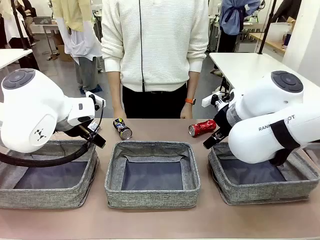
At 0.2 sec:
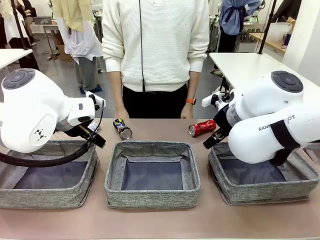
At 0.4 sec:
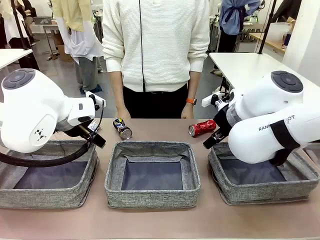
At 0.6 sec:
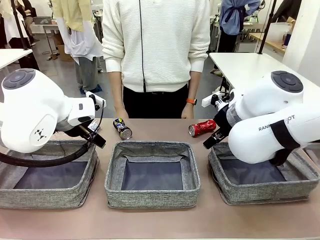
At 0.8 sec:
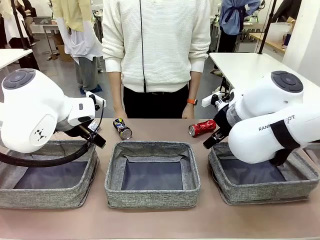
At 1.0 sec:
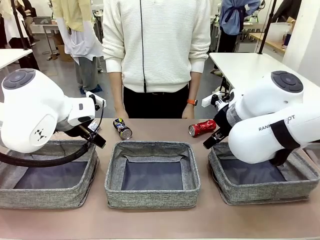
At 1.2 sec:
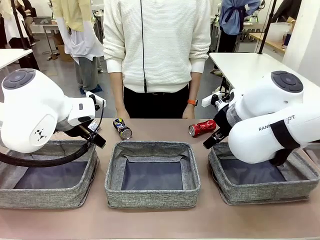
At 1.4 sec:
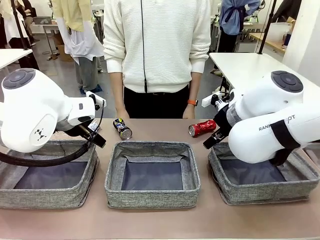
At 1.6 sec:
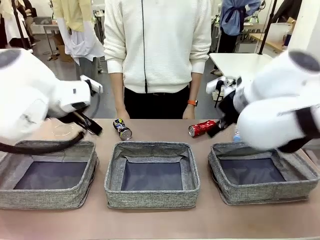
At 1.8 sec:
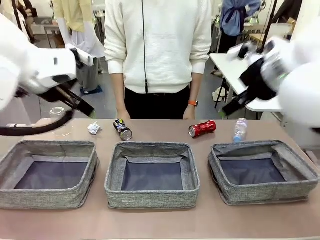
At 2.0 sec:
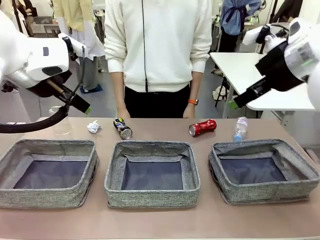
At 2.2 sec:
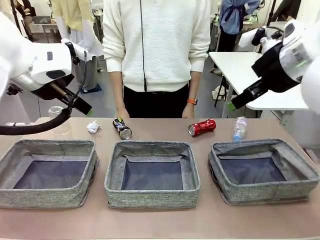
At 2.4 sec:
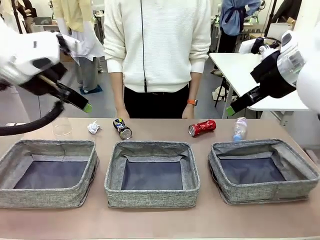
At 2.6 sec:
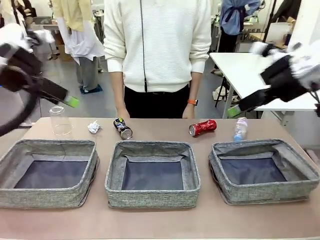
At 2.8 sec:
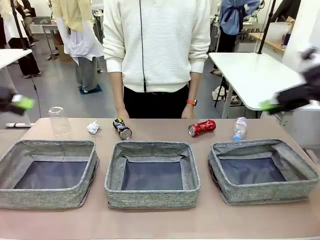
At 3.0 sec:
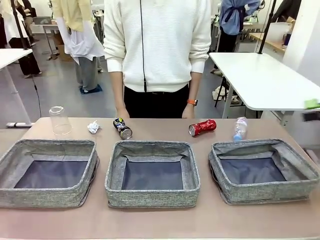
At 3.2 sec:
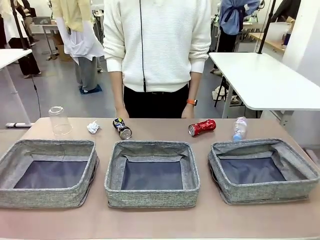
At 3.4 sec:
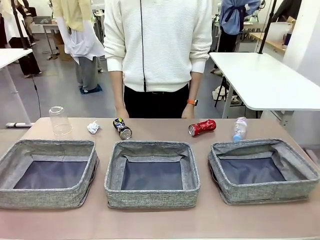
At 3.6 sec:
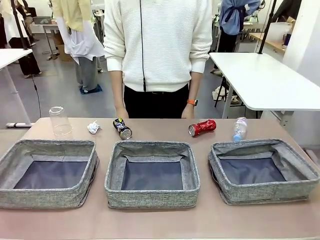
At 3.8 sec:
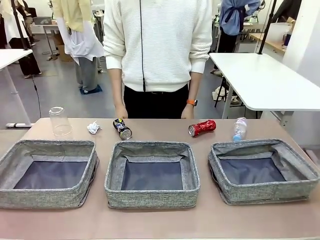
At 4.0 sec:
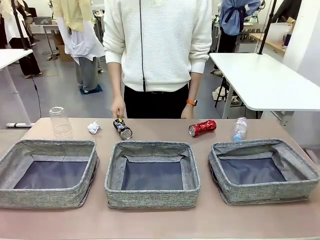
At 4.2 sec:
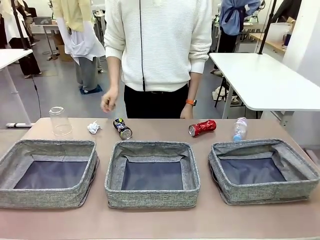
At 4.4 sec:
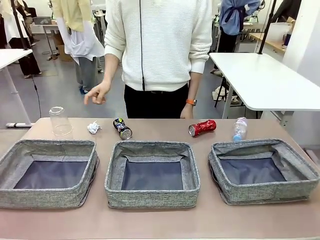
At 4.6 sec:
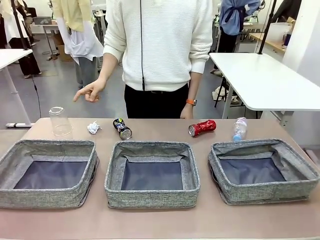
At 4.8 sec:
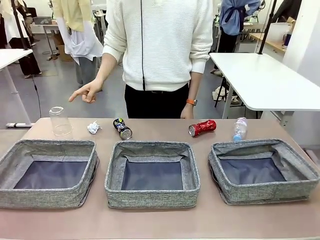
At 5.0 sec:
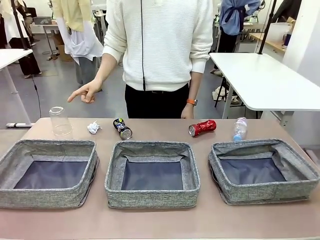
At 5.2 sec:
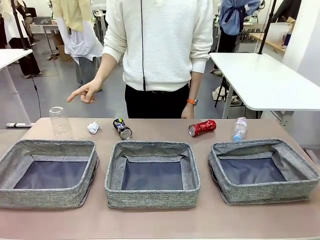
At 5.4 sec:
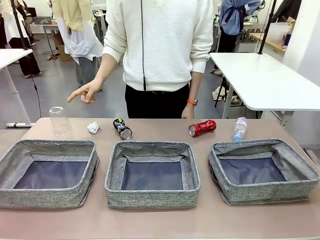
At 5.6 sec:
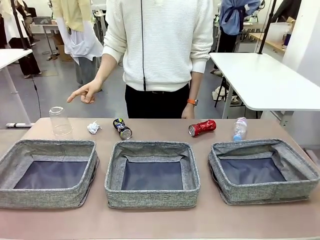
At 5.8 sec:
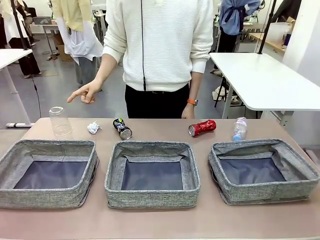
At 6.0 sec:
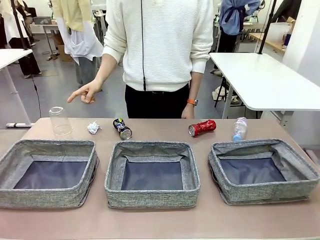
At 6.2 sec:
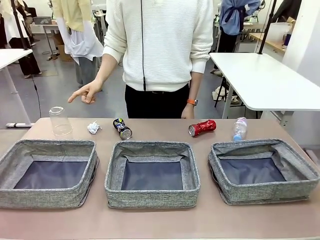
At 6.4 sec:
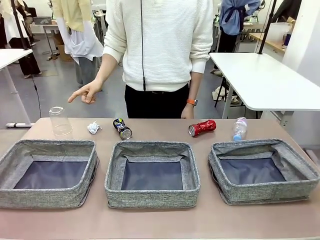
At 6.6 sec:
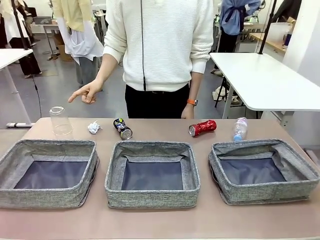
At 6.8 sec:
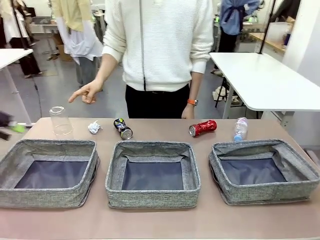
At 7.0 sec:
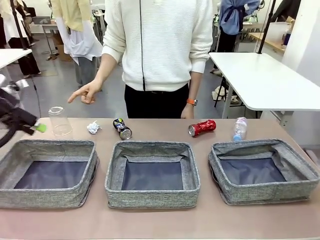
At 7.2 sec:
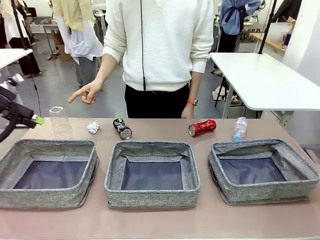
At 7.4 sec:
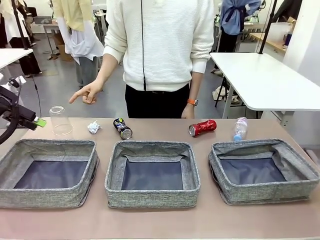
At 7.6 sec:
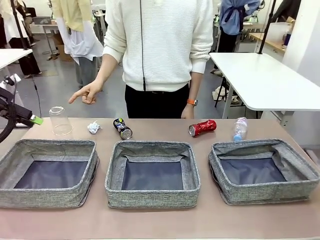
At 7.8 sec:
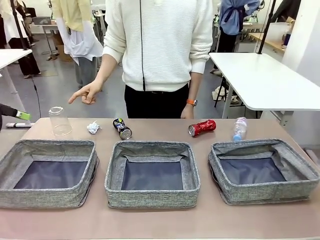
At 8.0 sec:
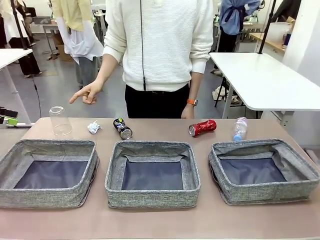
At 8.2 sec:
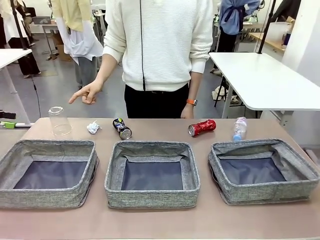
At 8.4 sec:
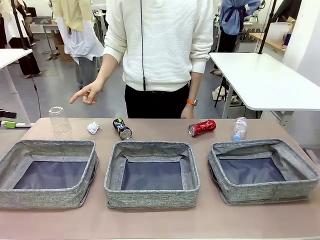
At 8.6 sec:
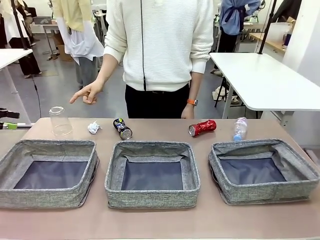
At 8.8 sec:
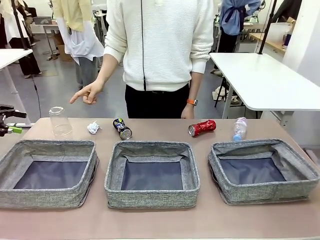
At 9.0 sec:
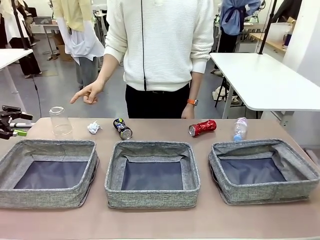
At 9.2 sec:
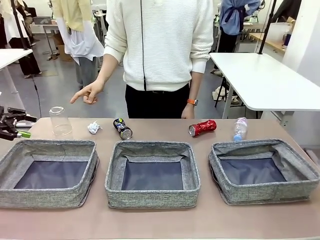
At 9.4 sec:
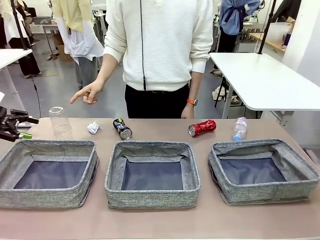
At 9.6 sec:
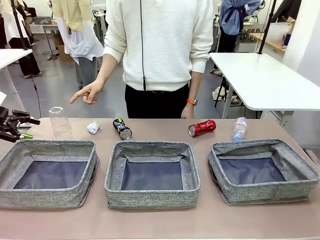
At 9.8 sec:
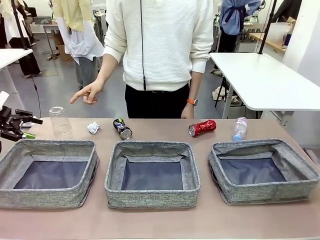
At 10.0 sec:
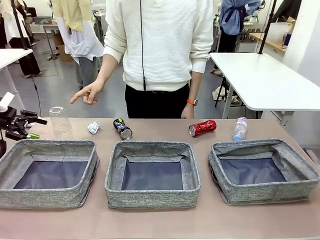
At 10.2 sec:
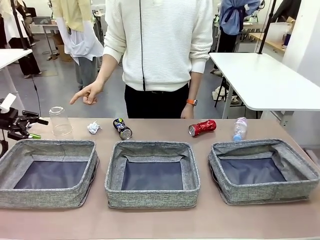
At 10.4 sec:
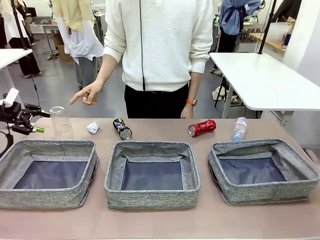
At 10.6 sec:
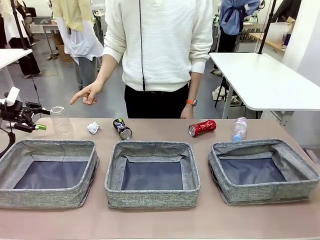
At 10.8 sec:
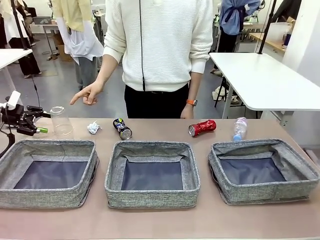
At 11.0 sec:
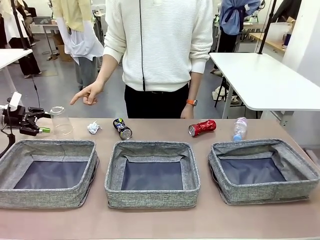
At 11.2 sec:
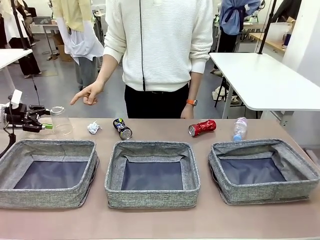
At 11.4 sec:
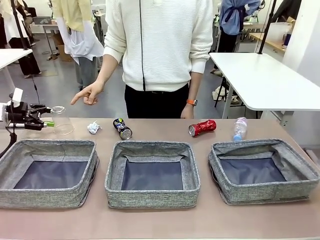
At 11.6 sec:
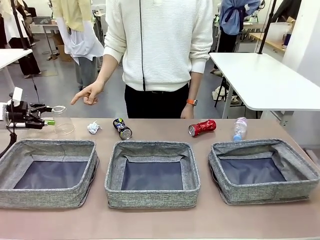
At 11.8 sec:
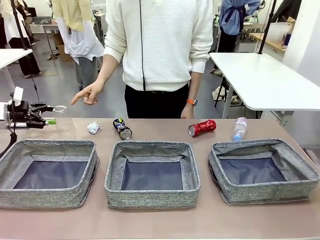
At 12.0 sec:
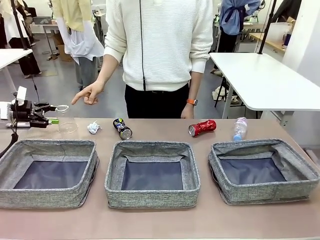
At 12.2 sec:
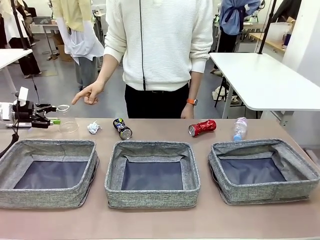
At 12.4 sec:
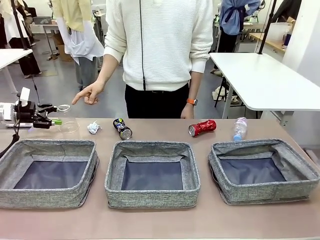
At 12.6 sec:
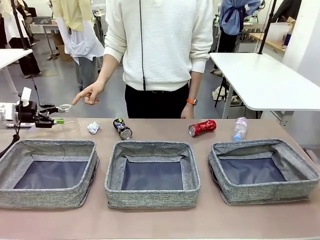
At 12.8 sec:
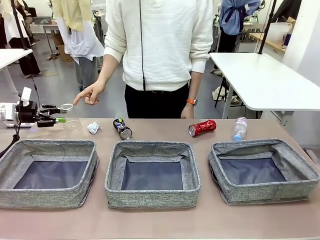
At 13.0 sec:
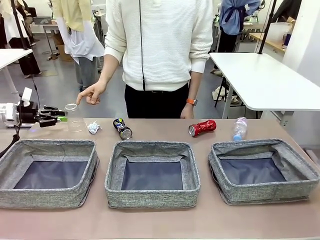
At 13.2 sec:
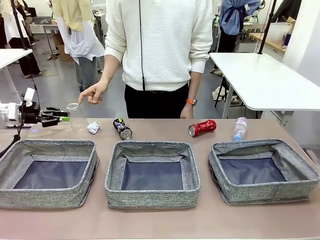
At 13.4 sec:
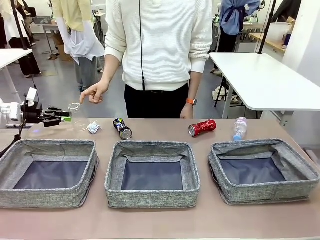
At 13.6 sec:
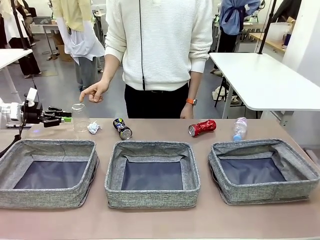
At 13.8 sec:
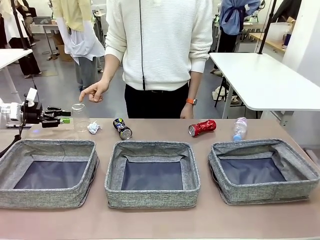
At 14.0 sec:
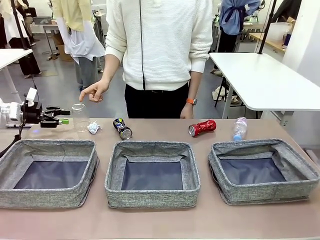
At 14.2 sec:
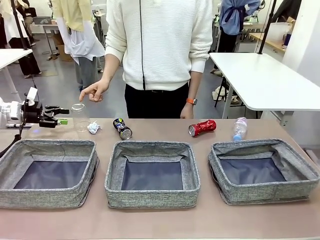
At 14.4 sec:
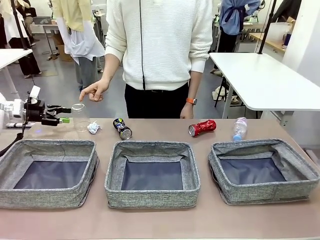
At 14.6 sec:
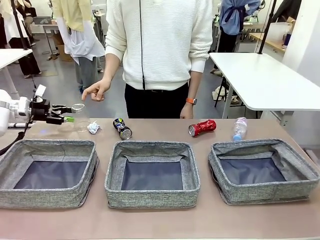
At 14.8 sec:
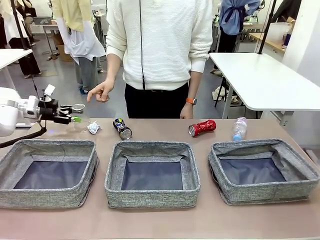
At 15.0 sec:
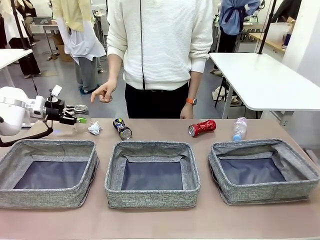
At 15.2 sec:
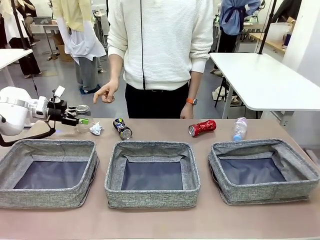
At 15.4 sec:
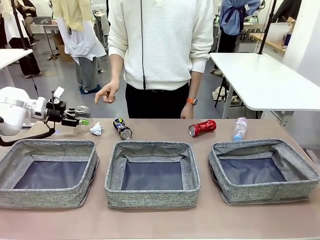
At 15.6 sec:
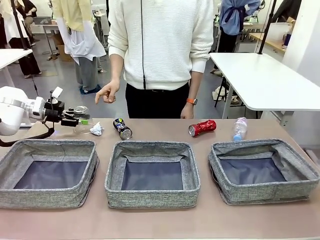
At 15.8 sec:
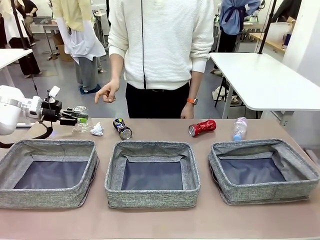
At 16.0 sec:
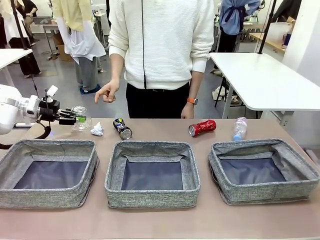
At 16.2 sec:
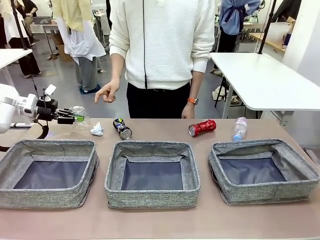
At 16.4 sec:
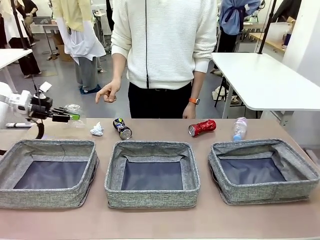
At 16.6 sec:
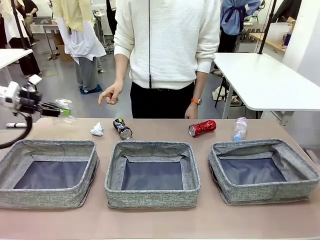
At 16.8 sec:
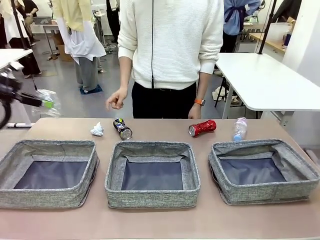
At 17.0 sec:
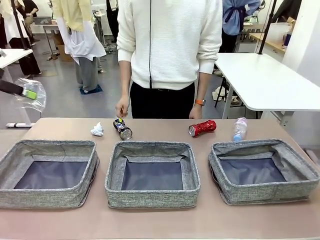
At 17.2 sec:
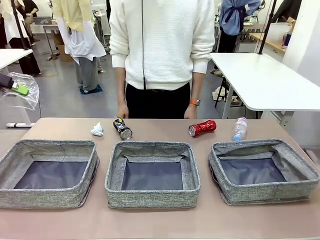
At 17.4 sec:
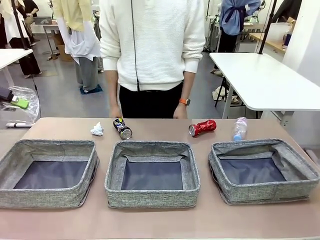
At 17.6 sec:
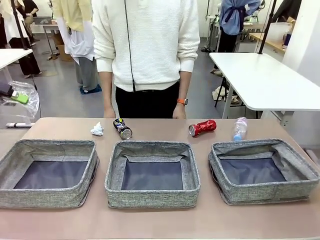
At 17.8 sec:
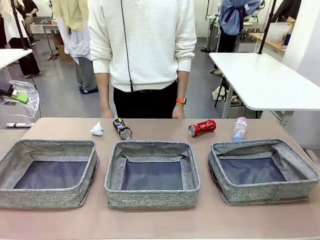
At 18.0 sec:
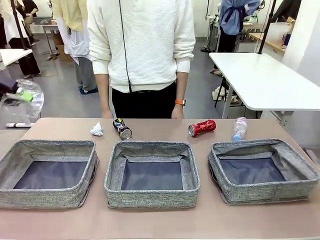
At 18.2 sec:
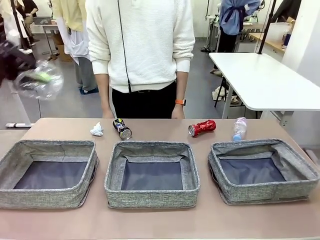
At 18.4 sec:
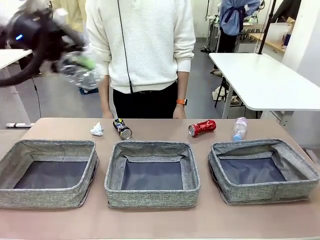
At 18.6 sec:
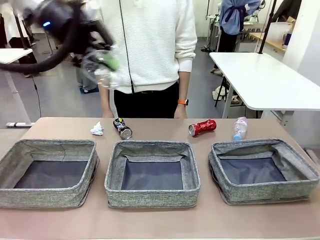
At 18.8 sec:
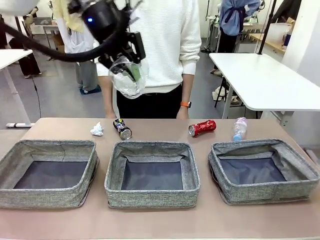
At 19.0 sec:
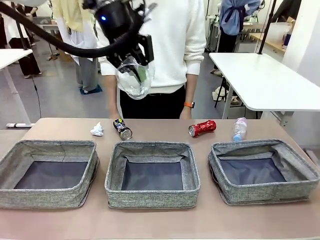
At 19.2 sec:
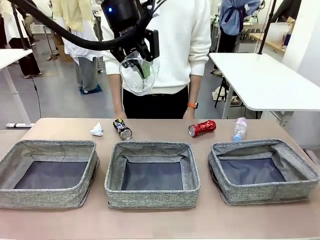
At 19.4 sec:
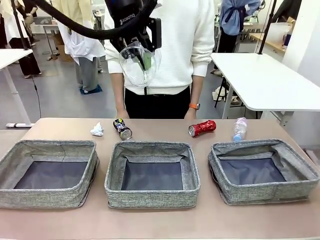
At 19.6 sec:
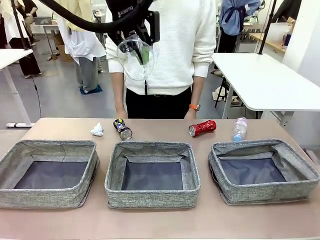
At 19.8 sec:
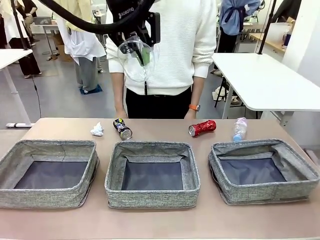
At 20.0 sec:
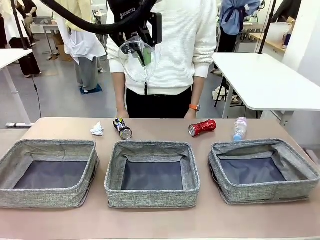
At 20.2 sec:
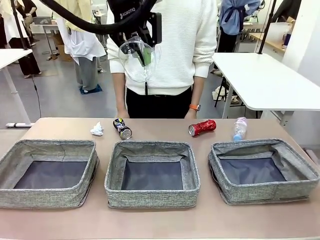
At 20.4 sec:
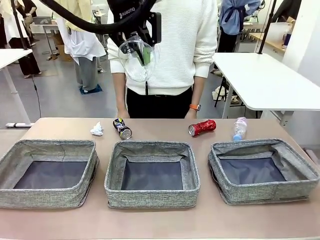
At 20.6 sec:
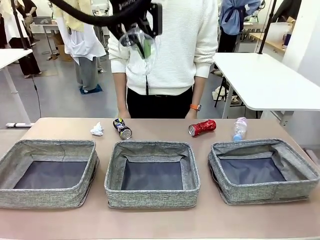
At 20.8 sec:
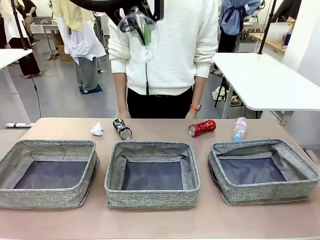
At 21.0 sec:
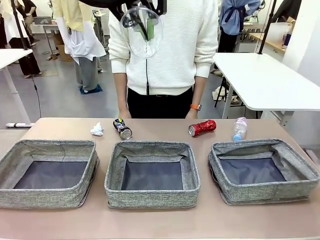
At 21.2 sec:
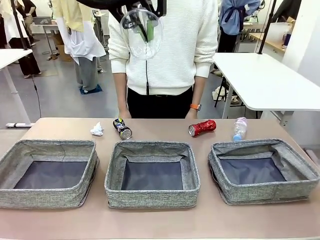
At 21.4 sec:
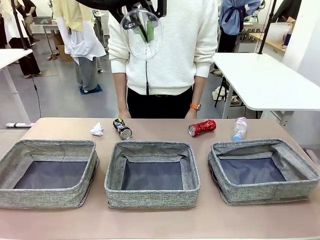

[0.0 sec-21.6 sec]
Task: Sort the waste into the appropriate baskets.
Robot: Pick up the waste item pointed out by the person.
Person: Points to one piece of trash on the table.
